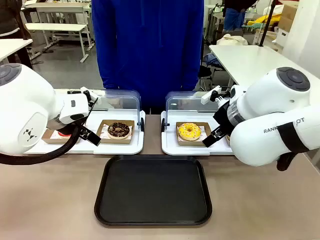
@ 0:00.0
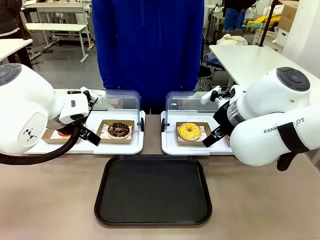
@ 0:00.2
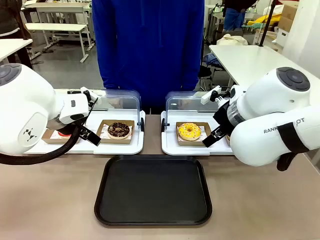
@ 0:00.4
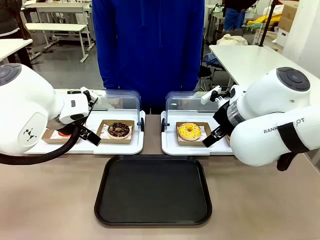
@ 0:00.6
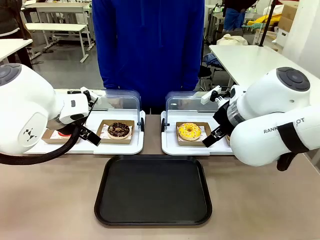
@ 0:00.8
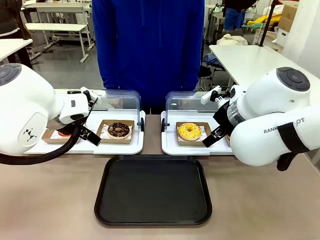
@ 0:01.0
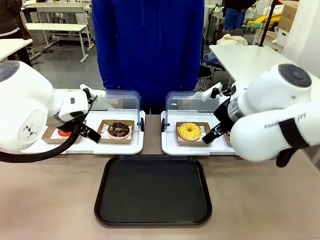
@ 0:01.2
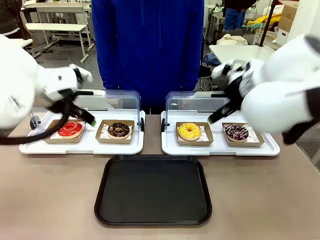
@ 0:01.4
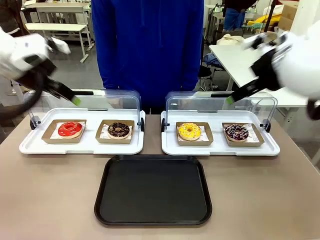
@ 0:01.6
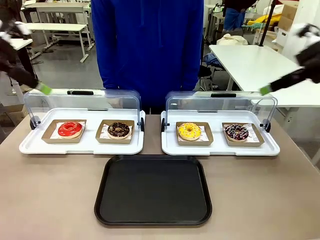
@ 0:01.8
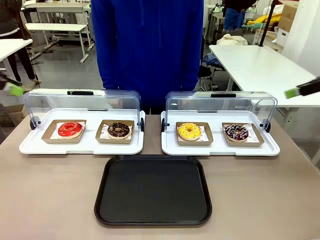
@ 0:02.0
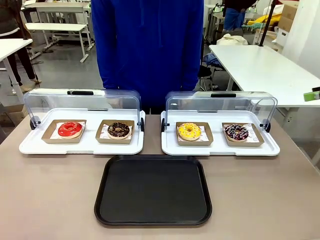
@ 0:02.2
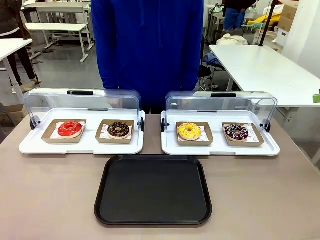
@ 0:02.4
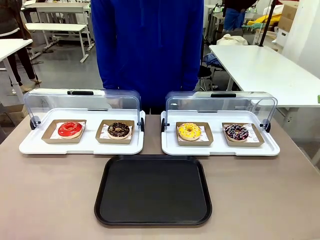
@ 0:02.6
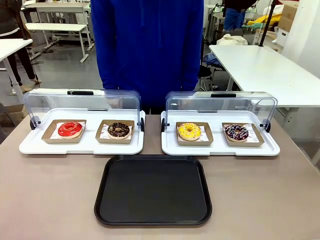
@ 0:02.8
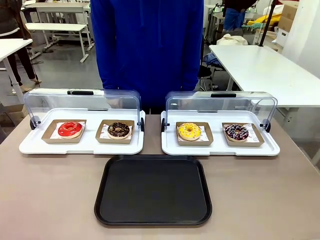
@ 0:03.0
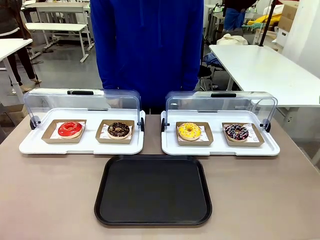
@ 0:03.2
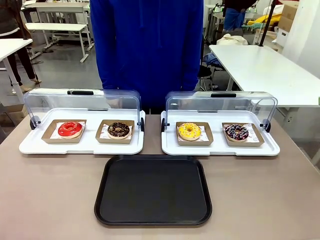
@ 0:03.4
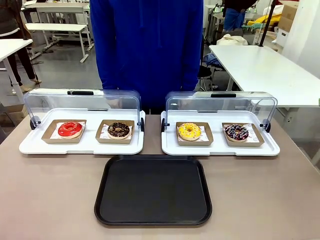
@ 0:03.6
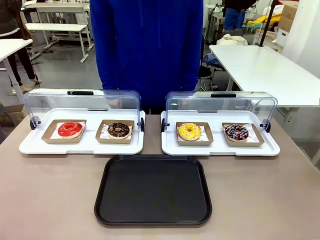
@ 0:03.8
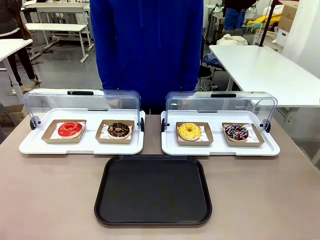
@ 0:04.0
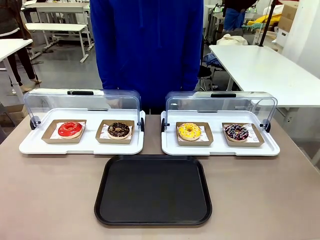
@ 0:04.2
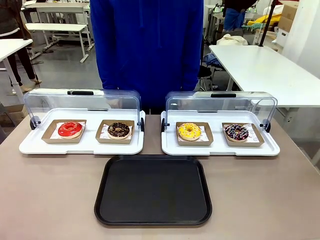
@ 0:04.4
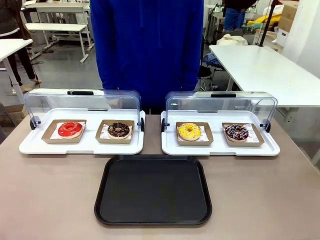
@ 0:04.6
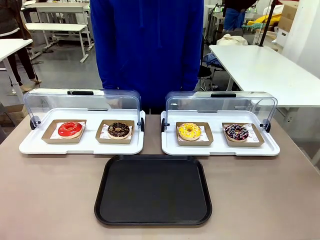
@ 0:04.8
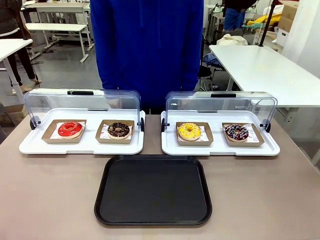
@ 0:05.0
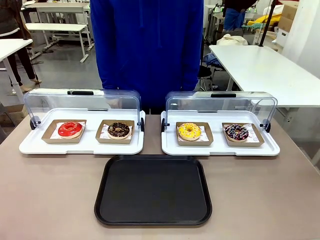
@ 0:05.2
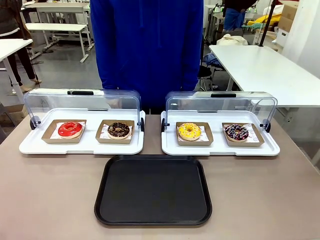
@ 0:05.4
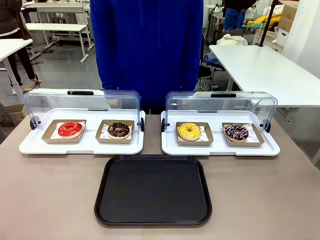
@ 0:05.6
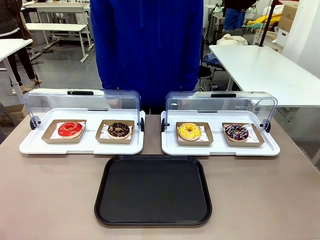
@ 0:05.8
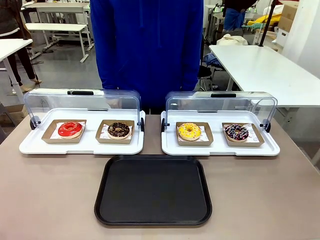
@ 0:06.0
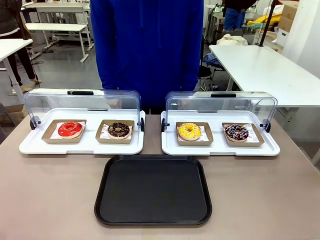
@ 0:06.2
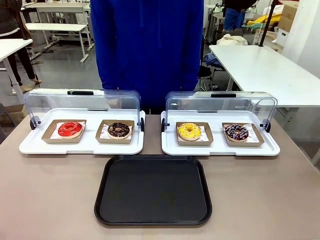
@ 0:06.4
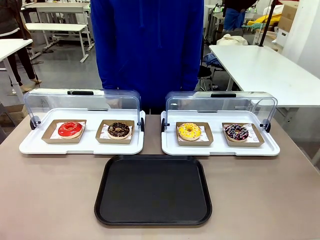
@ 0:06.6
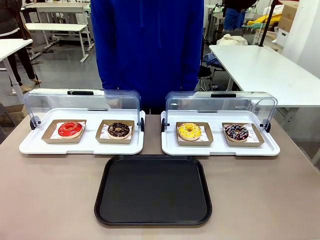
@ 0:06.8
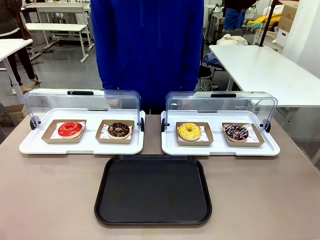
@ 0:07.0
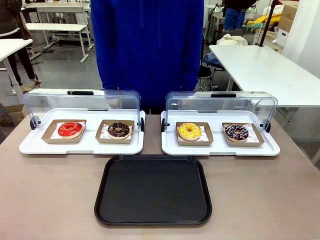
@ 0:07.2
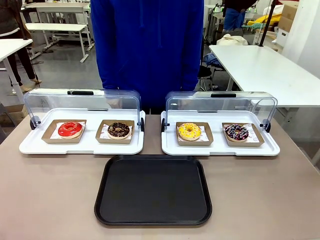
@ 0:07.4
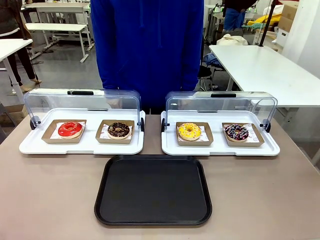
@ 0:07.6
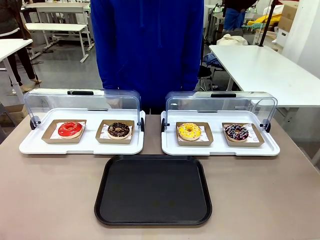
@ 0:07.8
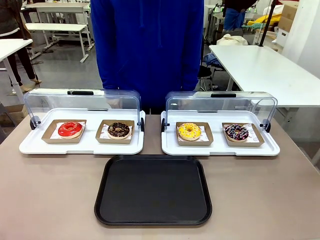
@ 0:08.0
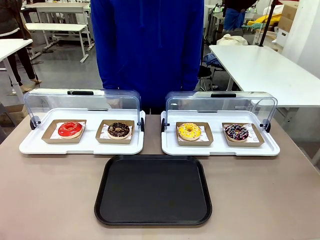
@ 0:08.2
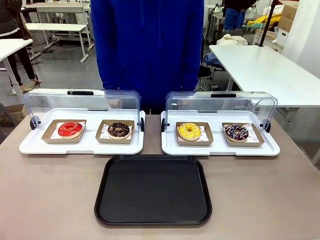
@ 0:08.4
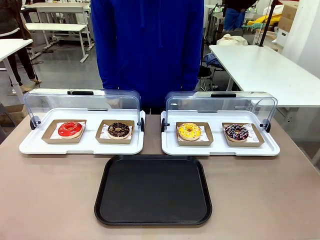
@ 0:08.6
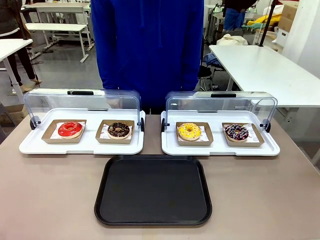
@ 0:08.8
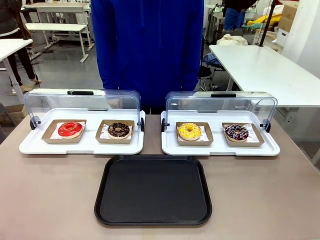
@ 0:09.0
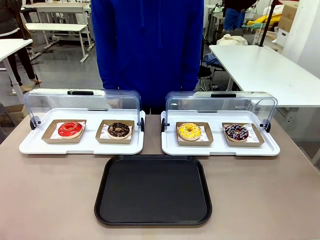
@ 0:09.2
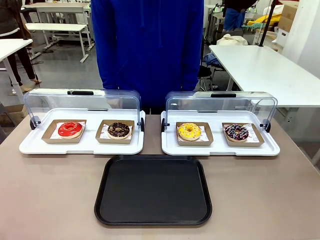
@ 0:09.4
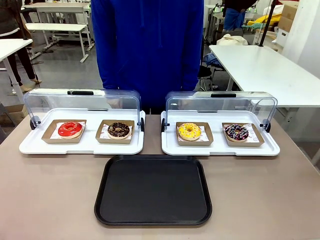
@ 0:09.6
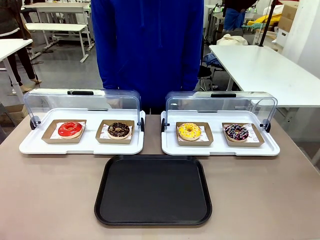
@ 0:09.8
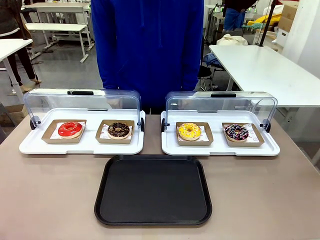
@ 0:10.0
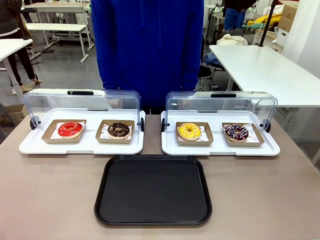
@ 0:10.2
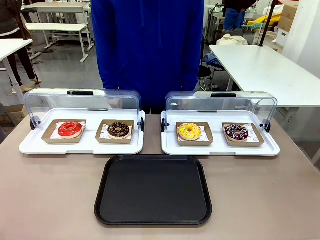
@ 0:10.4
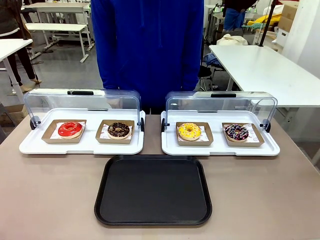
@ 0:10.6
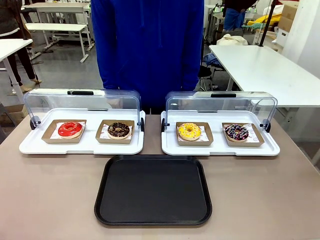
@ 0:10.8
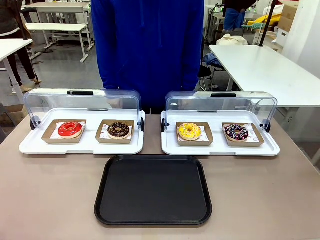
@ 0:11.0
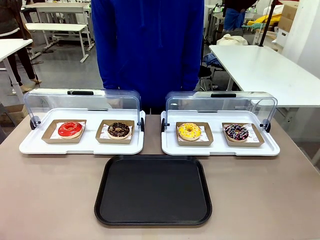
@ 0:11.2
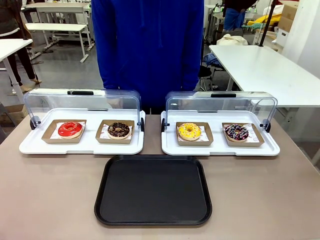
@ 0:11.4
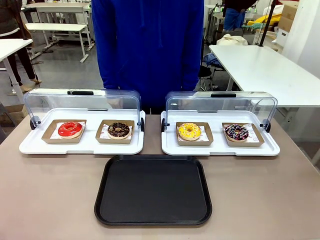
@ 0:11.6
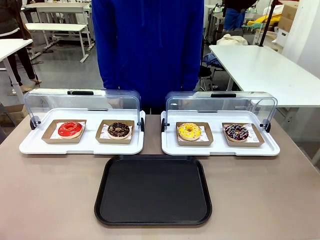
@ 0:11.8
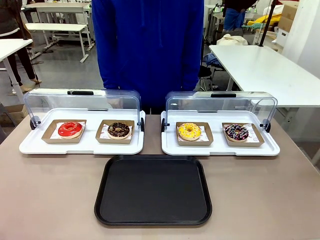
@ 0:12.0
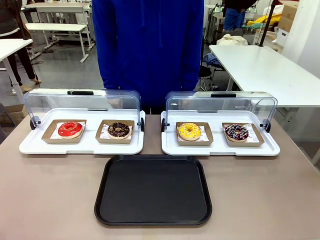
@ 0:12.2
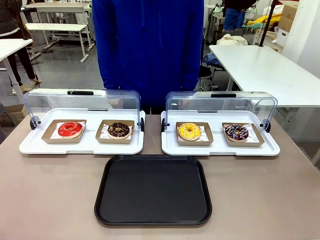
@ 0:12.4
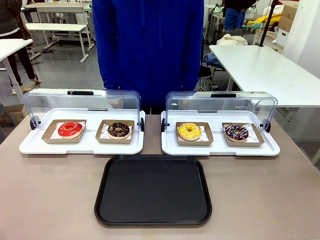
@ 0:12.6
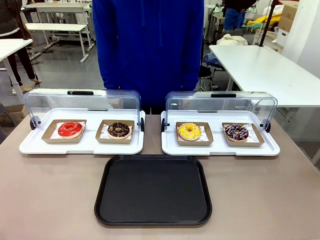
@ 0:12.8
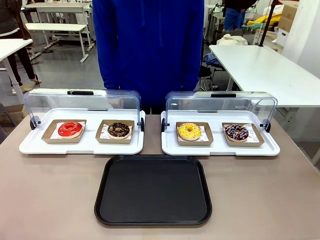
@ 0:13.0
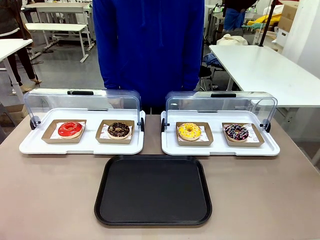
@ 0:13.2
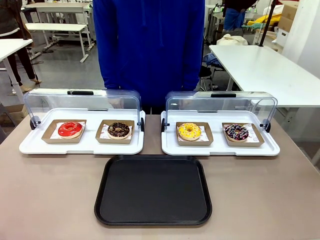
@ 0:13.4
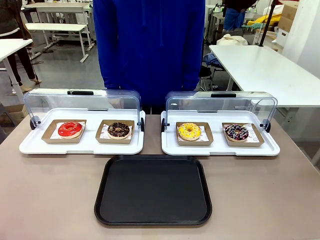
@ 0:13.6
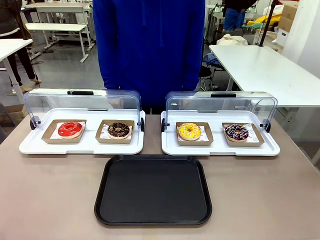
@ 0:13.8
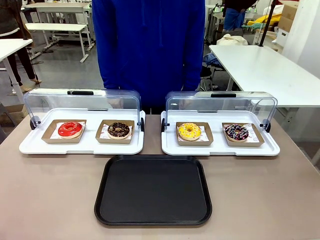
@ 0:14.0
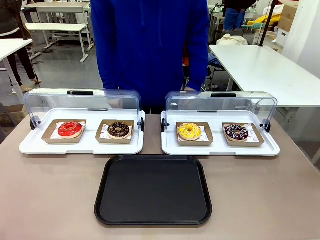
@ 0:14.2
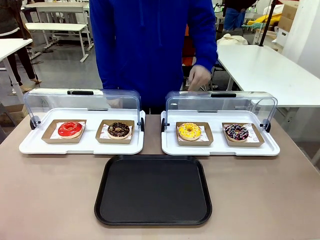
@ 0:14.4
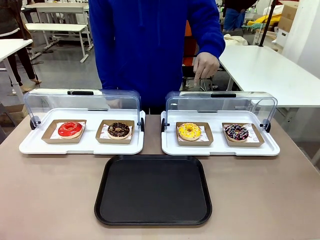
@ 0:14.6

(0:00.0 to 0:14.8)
Task: Move the third donut from the left to the tray.
Robot: Pick up the Paper togo box containing the Donut indicated by the person and place it on the Handle tray.
